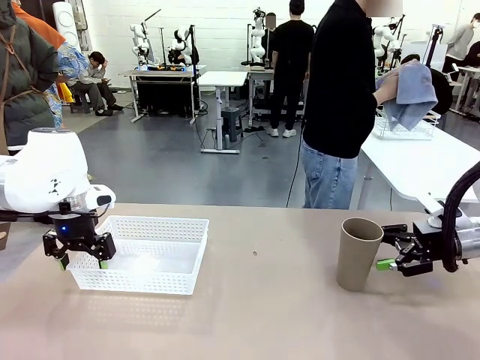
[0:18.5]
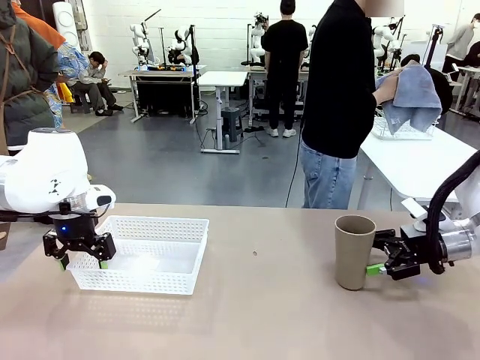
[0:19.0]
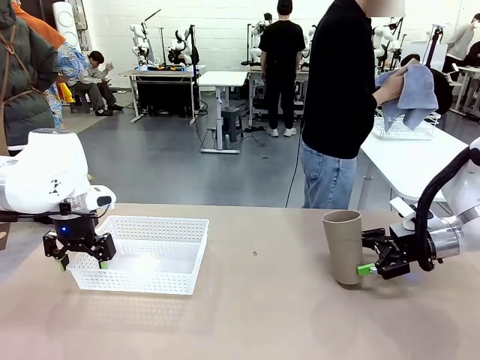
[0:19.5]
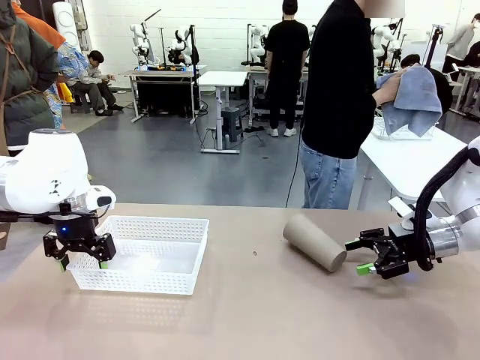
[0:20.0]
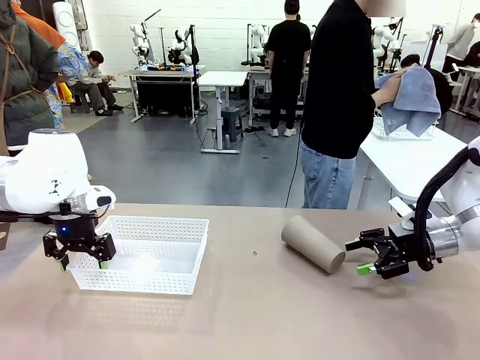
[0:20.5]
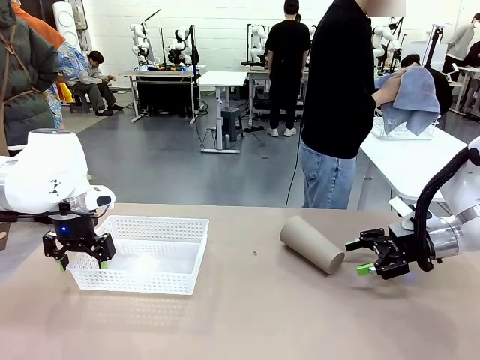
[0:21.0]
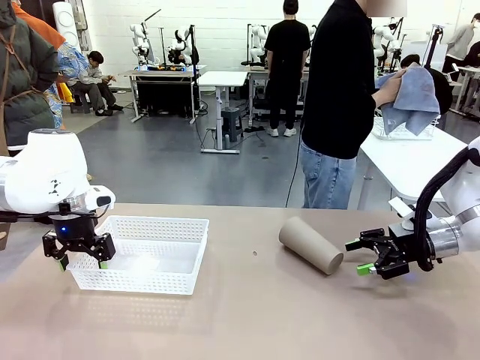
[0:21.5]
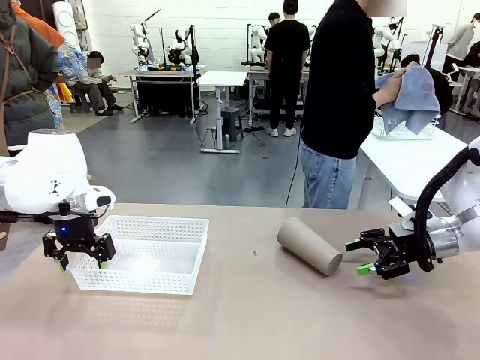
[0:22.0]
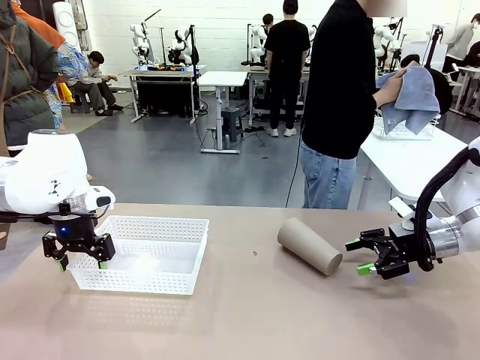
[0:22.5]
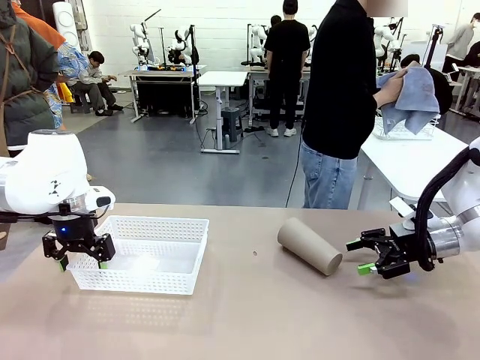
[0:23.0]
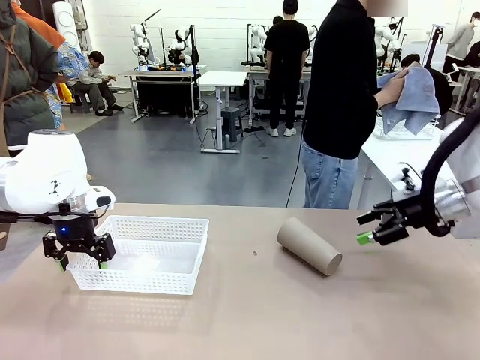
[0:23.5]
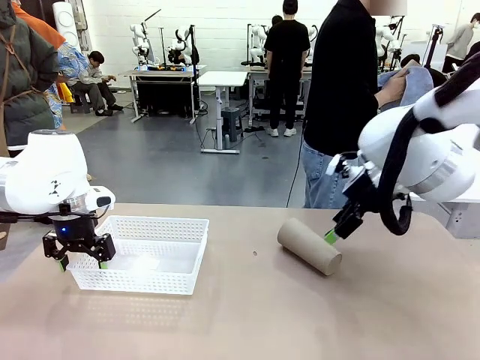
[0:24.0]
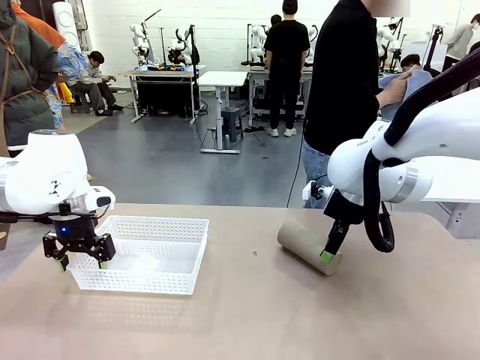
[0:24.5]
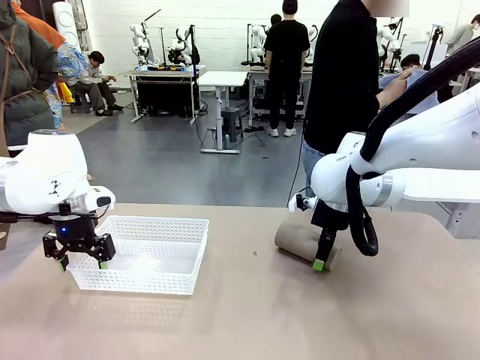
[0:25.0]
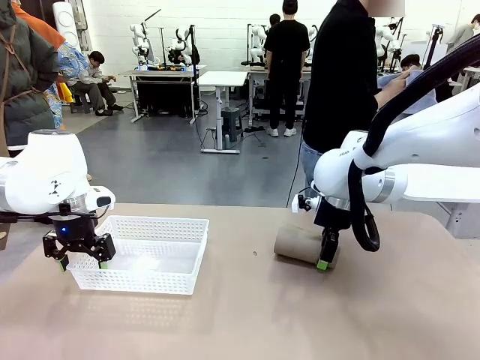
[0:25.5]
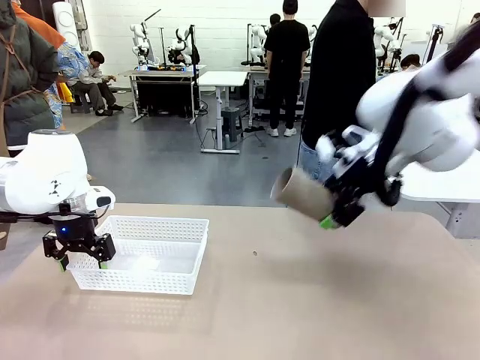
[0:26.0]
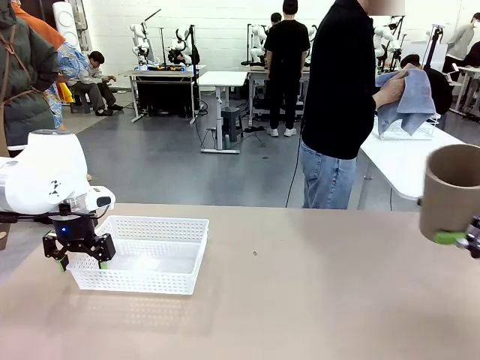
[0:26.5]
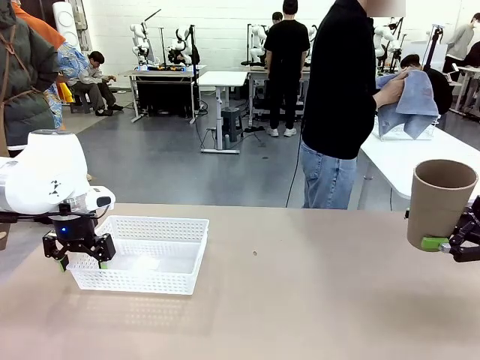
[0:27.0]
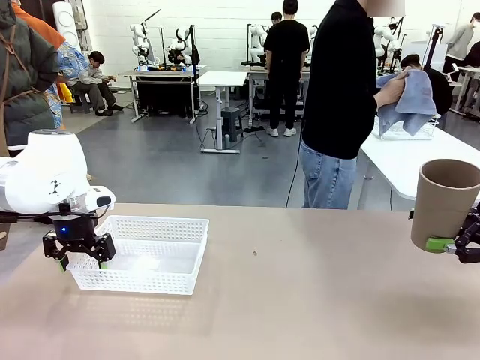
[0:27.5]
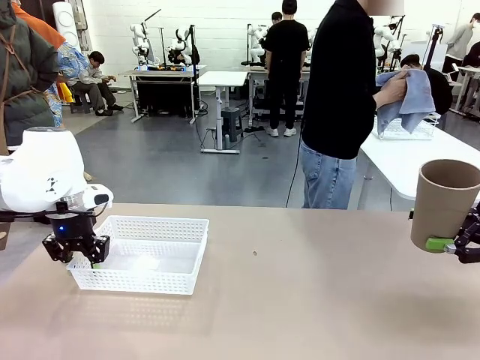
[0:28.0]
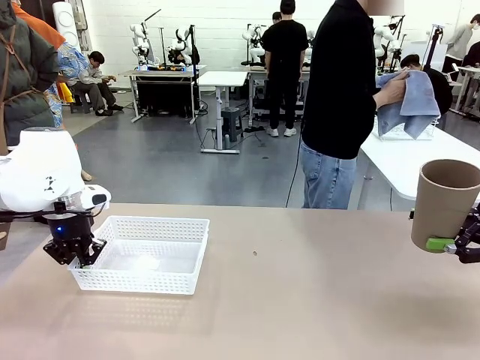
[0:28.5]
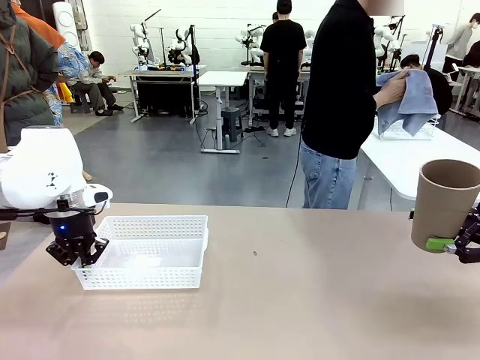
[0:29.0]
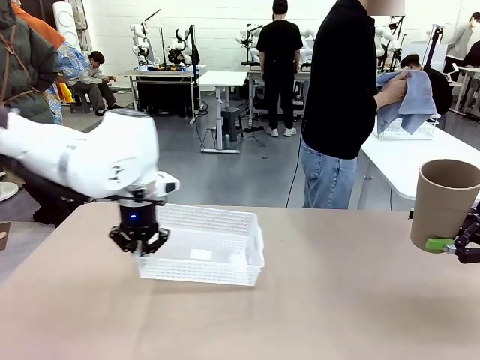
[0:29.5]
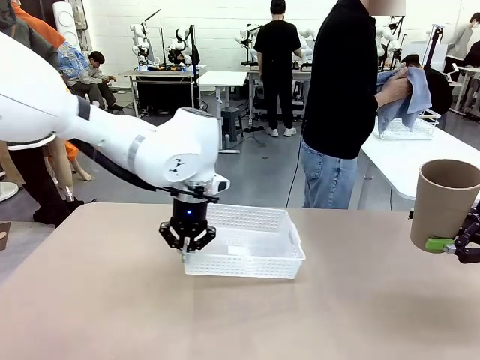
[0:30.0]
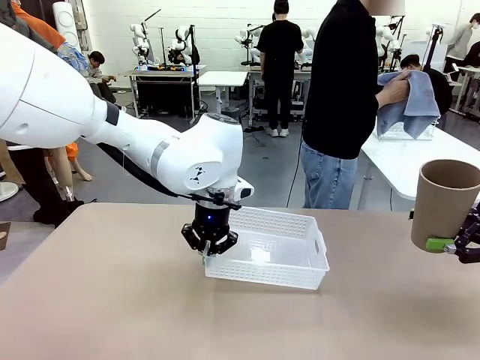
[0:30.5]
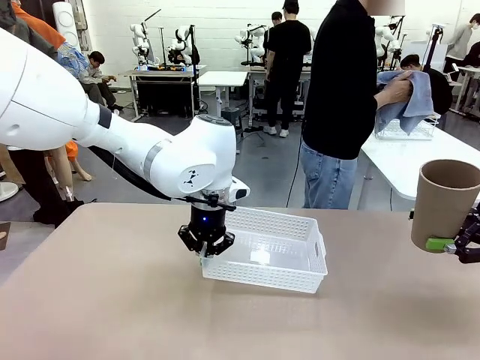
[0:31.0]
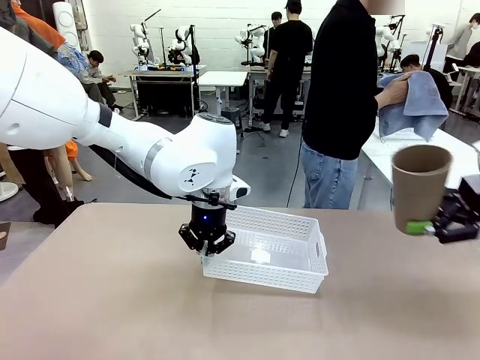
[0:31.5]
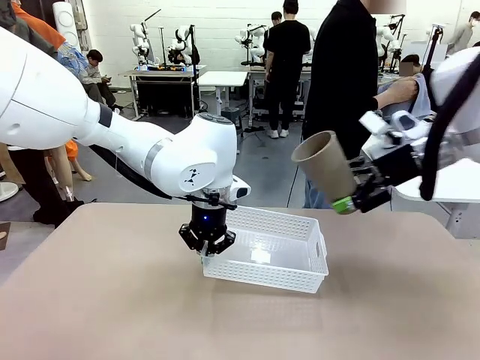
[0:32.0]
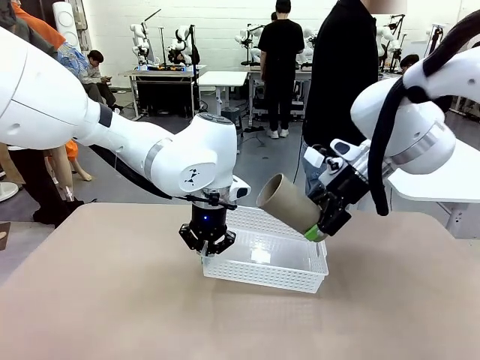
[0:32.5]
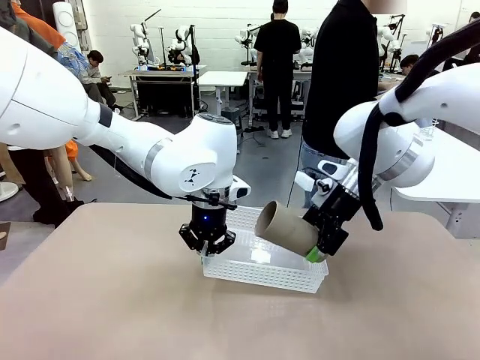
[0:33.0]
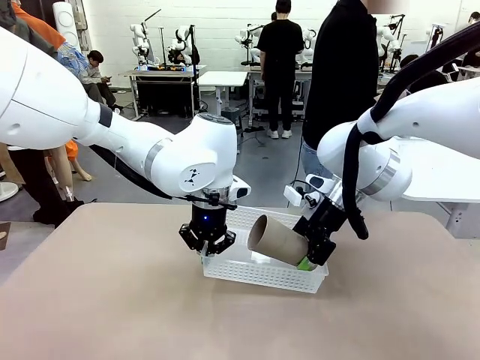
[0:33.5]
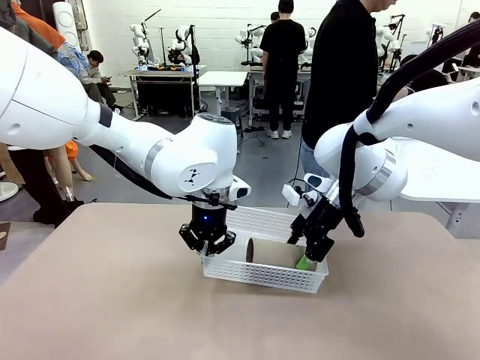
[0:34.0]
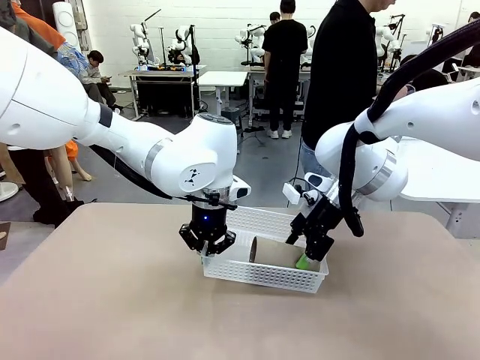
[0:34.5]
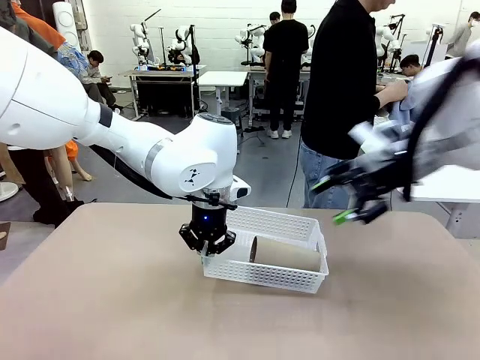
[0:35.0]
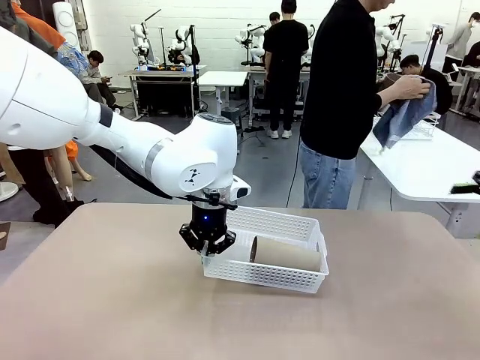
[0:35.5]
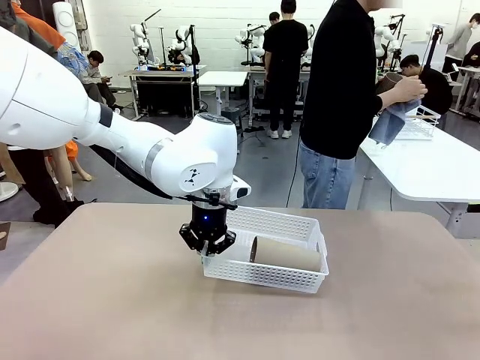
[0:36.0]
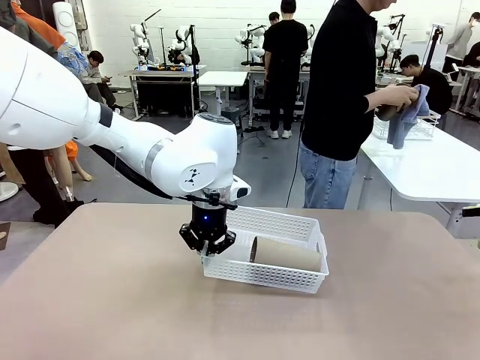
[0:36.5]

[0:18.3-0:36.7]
Task: Clean and organize the cups into the basket.
Robot: Pick up the Organizing basket and move it to the center of the table, then pick up the Reusable plastic cup from the right side of the table and place it inside the Organizing basket.

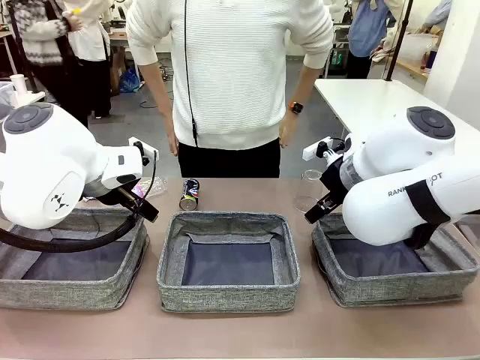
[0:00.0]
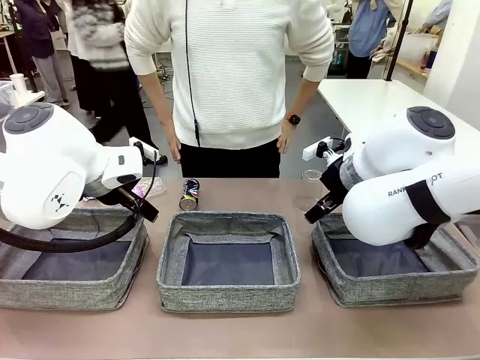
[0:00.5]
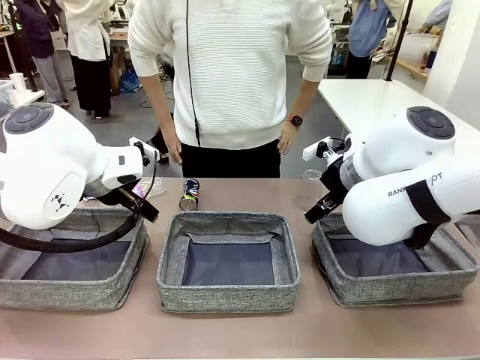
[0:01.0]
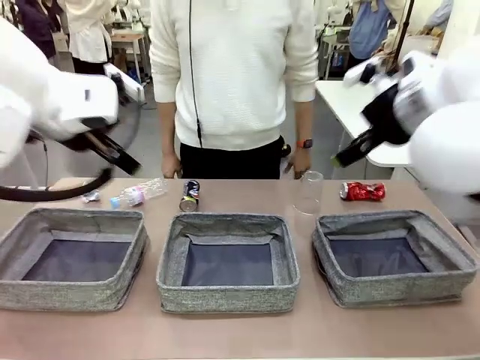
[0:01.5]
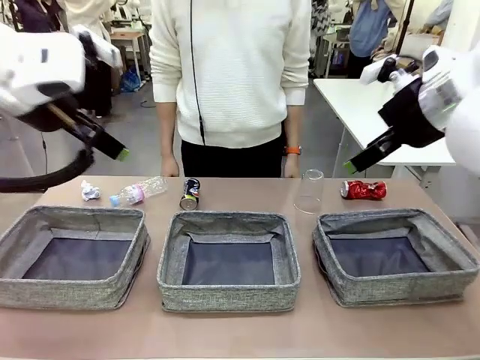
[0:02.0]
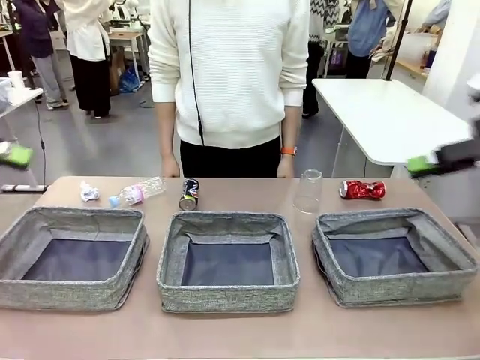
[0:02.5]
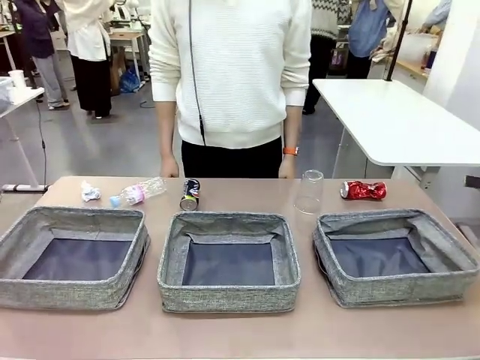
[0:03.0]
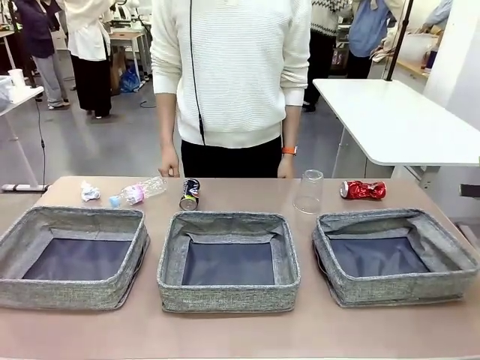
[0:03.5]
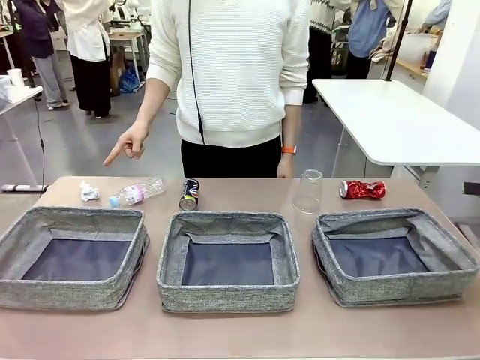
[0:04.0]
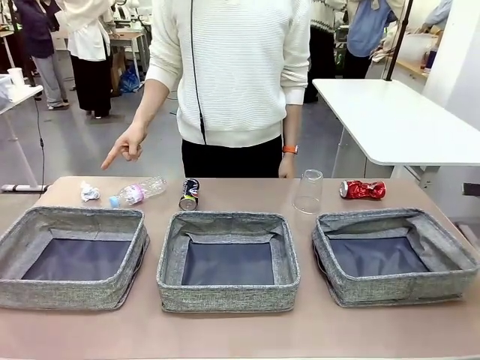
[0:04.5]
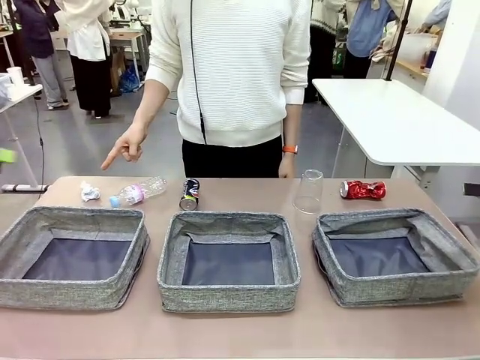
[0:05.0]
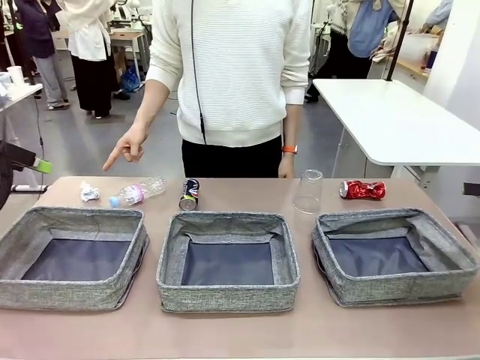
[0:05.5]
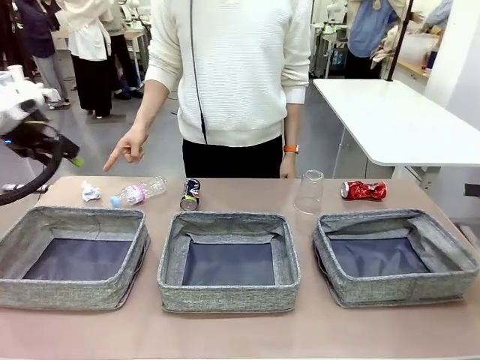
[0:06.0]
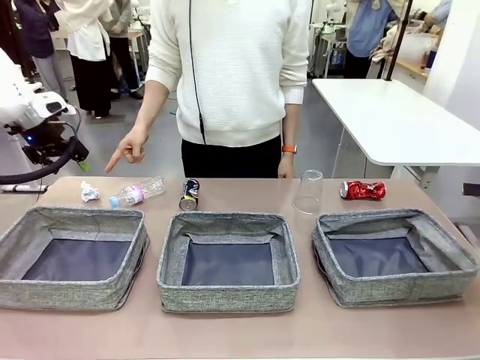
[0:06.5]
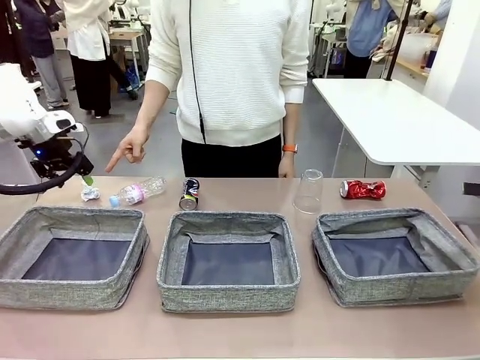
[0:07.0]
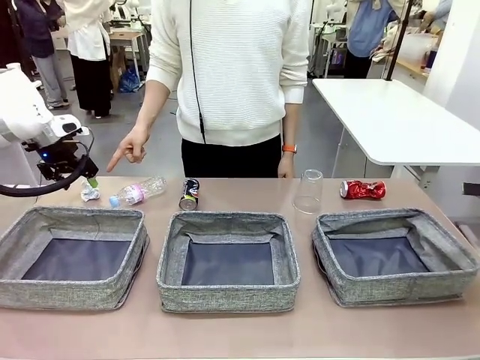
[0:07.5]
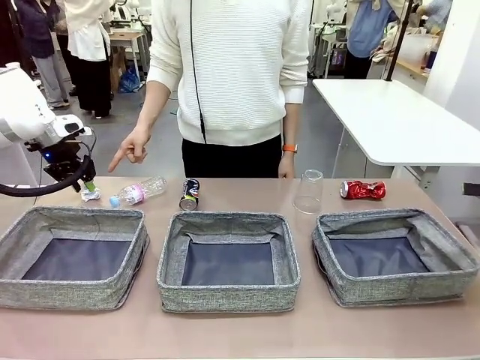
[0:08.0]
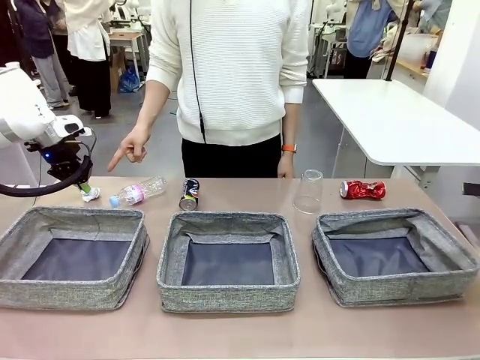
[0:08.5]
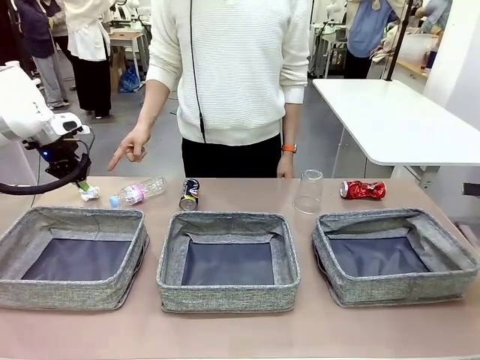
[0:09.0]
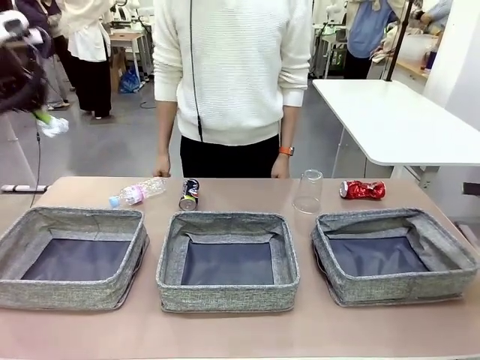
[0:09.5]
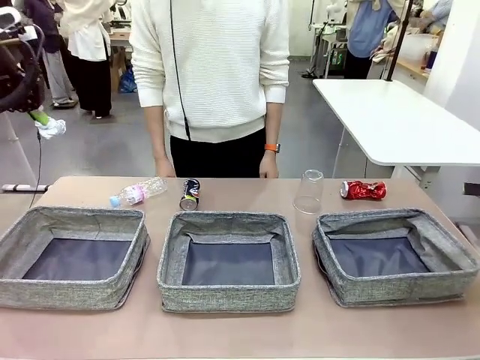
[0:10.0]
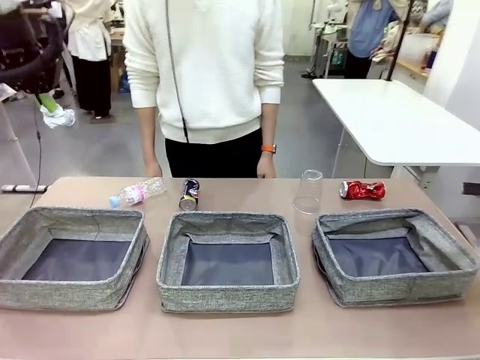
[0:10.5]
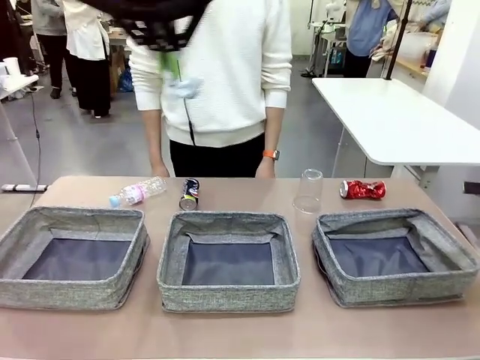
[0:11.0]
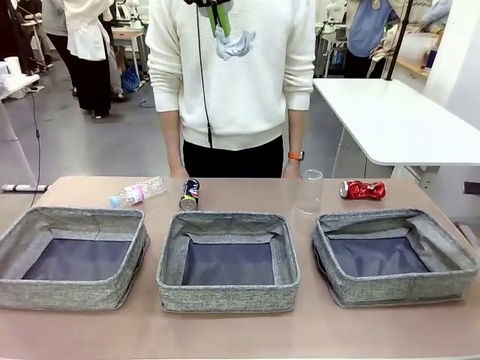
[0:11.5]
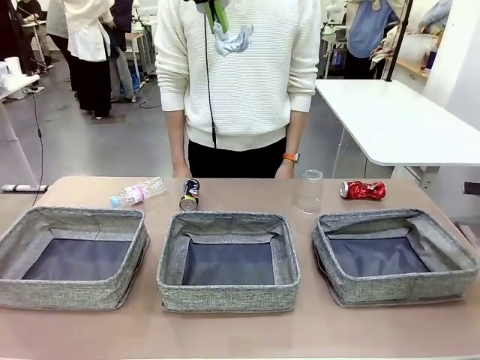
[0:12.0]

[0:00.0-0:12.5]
Task: Sort the waste into the appropriate baskets.
Robot: Pick up the waste item pointed out by the person.
Person: Points to one piece of trash on the table.
